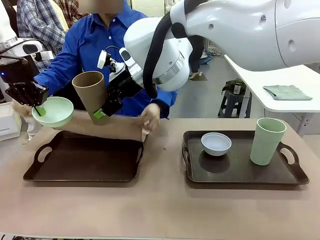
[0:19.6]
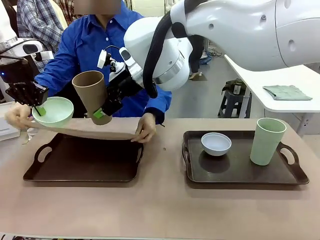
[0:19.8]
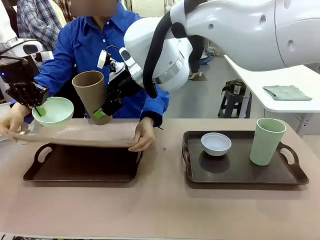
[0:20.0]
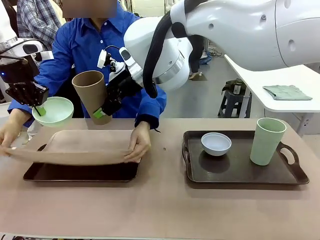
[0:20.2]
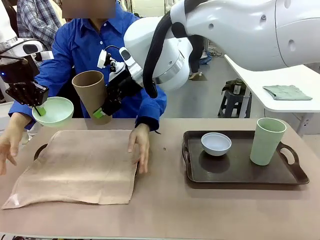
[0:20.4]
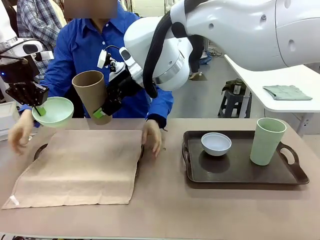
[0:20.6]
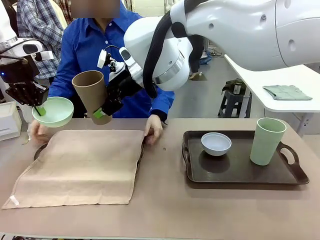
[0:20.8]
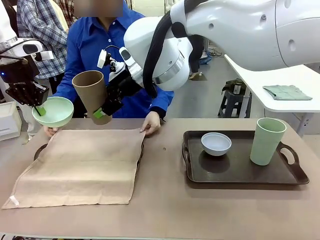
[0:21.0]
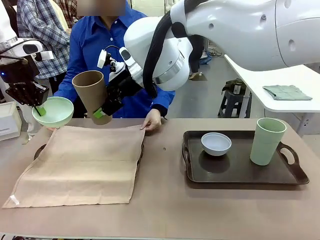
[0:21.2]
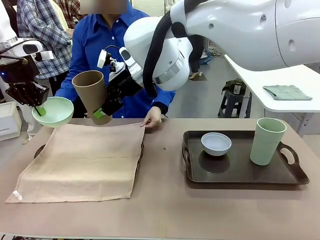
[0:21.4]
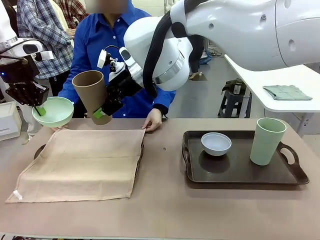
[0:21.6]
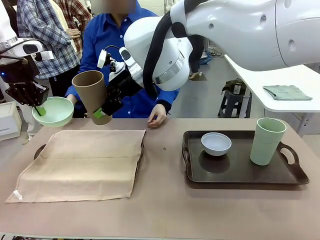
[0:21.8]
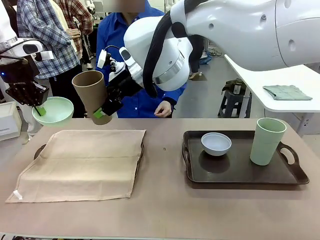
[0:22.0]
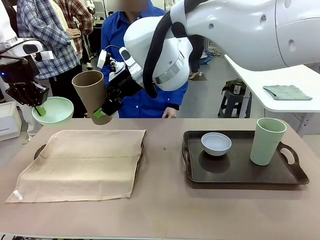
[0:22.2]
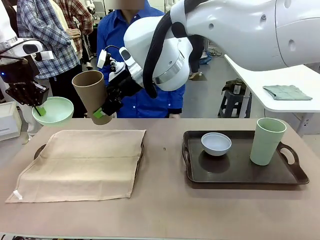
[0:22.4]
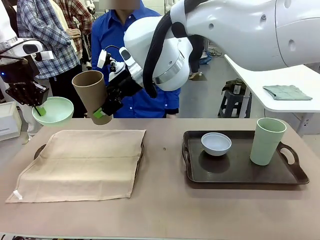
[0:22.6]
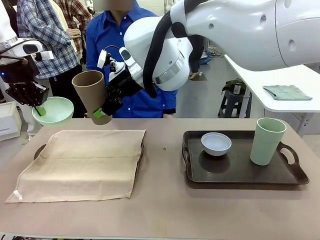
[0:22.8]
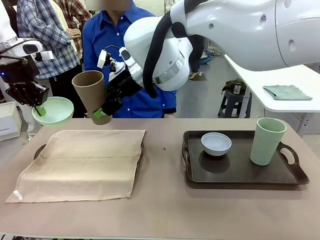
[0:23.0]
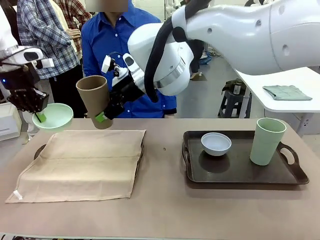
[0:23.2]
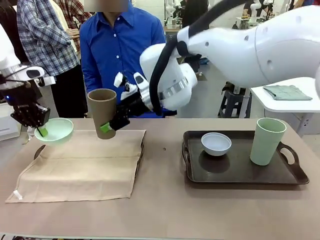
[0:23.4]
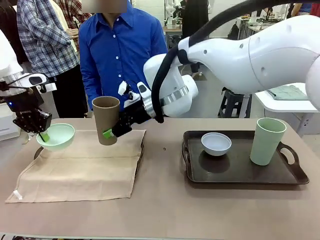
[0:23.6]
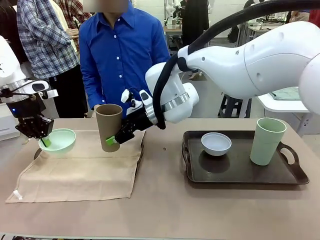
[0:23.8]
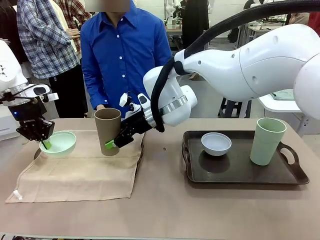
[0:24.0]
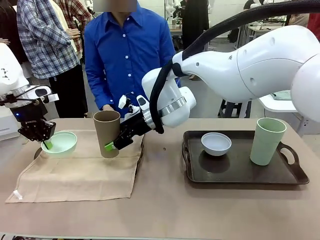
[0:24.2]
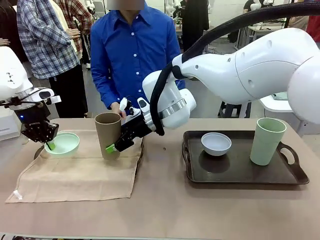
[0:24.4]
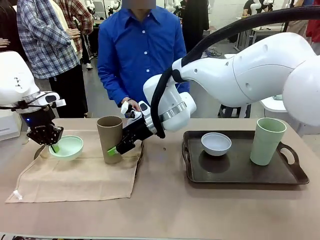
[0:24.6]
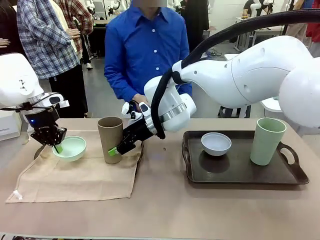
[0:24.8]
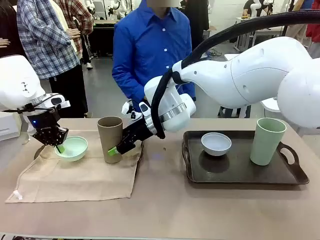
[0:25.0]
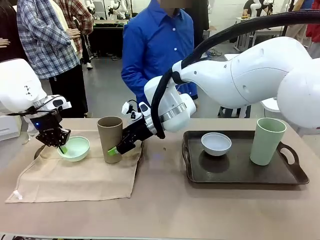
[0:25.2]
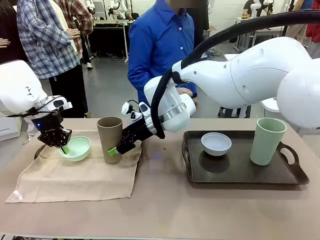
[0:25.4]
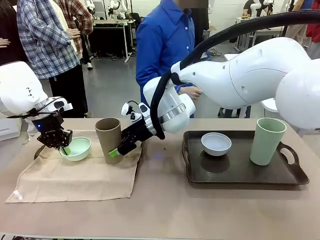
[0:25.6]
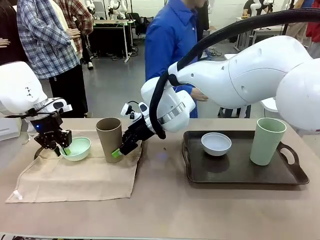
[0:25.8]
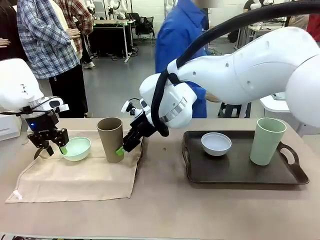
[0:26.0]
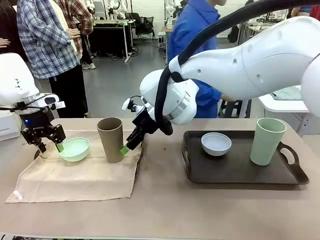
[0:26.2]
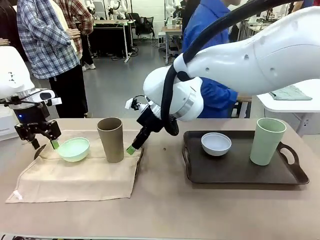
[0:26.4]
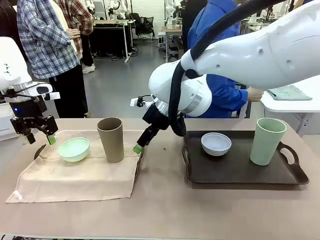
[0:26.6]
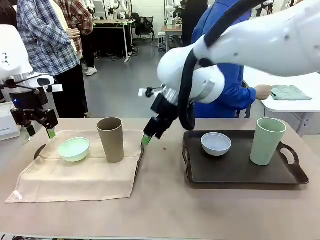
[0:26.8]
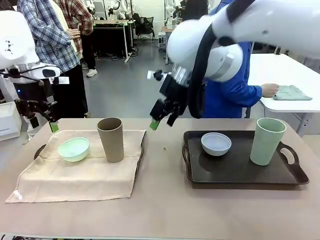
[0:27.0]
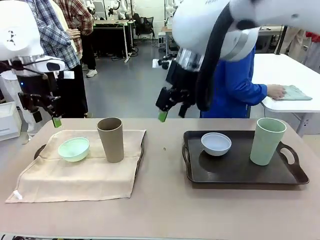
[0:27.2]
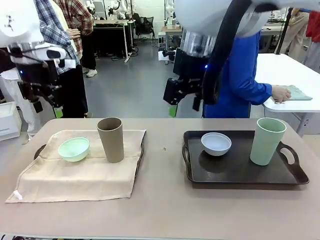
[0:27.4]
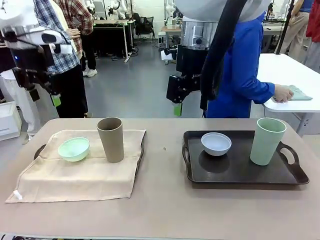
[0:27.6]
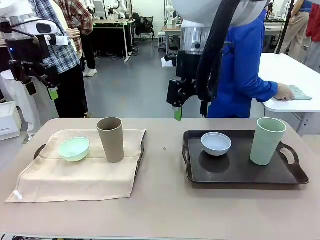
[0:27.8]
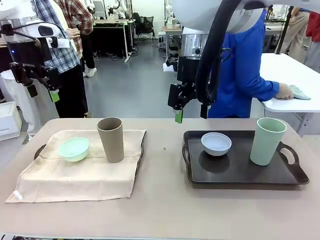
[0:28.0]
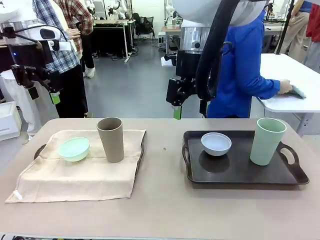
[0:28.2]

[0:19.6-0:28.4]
Robot: Place the Picnic Bowl and Reusable plastic cup back onto the Handle tray in front of the human's position.
Person: The human returns to the human table to pick up another napkin and walks to the robot table to stand in front of the tray without a napkin.
